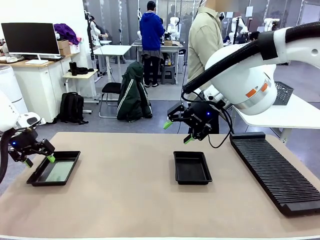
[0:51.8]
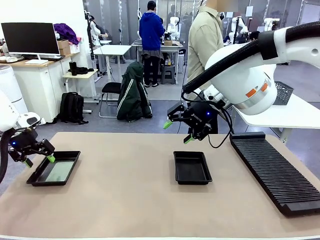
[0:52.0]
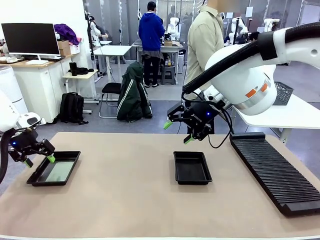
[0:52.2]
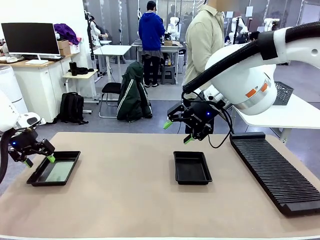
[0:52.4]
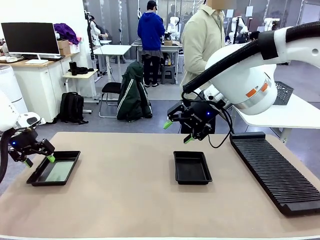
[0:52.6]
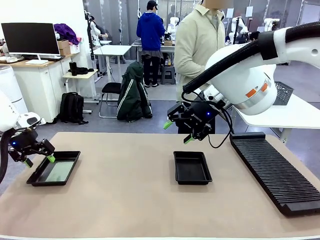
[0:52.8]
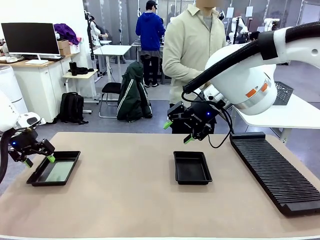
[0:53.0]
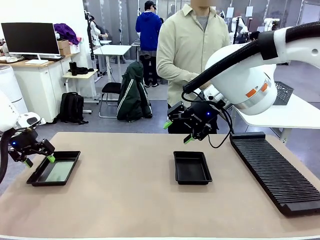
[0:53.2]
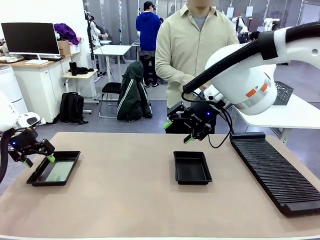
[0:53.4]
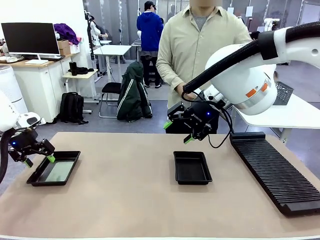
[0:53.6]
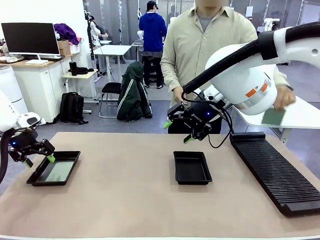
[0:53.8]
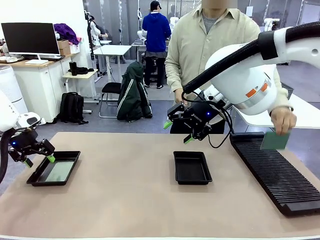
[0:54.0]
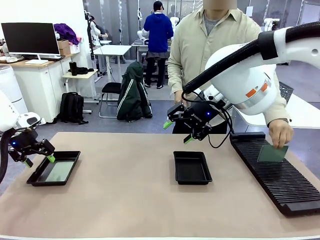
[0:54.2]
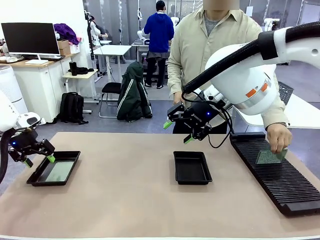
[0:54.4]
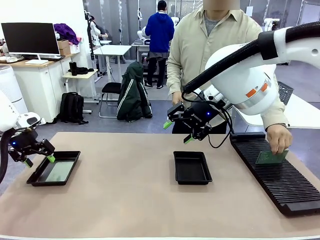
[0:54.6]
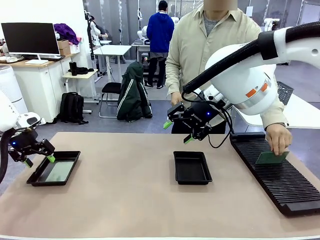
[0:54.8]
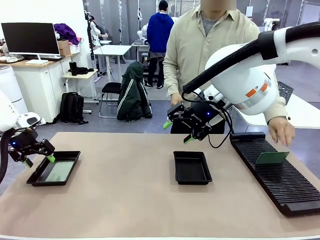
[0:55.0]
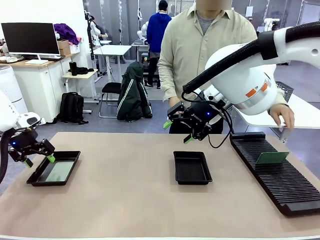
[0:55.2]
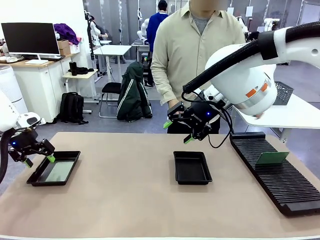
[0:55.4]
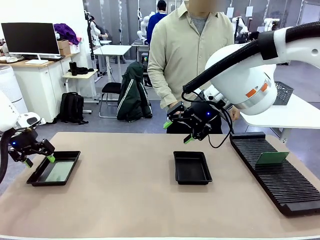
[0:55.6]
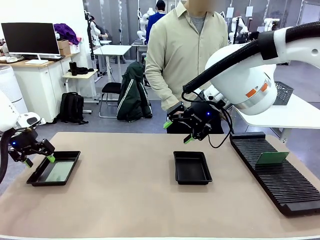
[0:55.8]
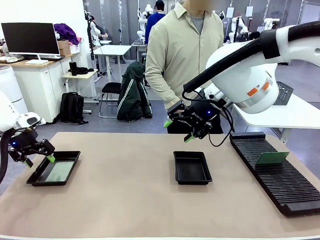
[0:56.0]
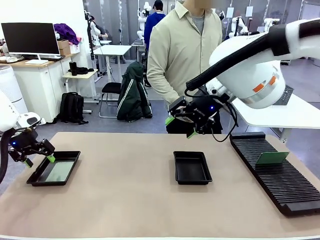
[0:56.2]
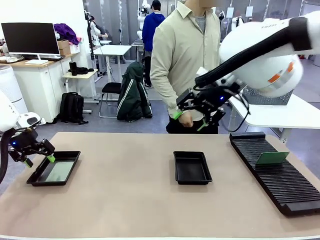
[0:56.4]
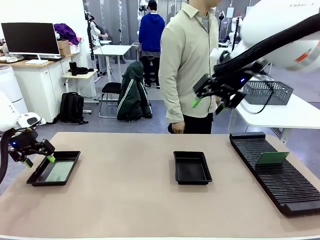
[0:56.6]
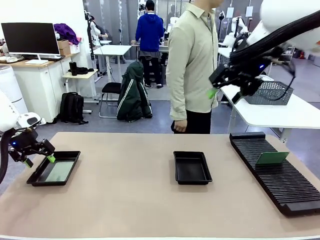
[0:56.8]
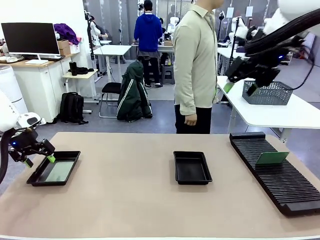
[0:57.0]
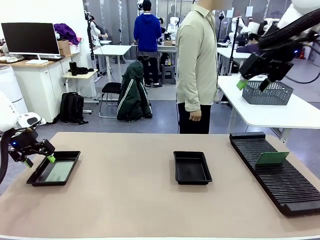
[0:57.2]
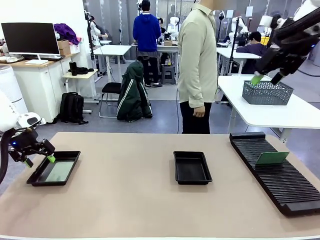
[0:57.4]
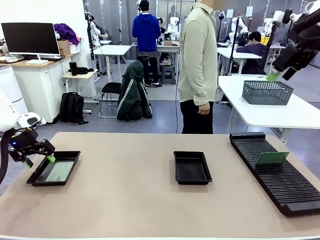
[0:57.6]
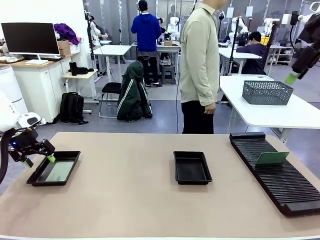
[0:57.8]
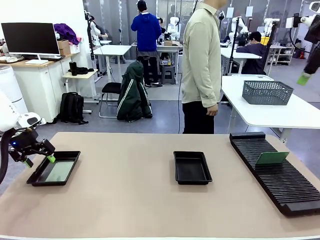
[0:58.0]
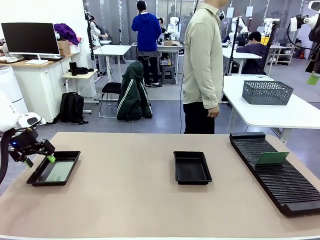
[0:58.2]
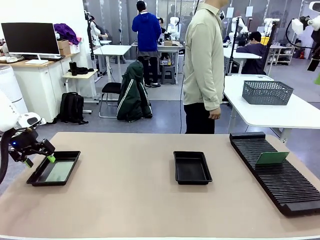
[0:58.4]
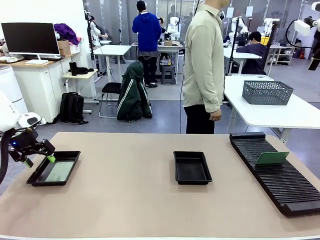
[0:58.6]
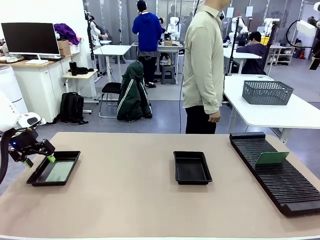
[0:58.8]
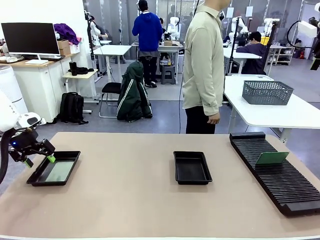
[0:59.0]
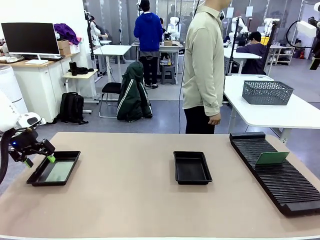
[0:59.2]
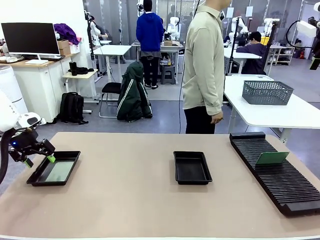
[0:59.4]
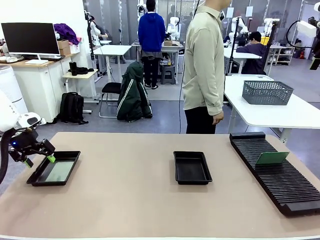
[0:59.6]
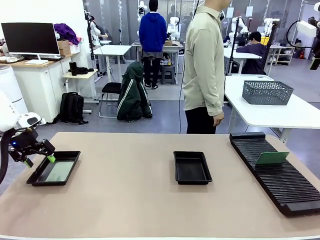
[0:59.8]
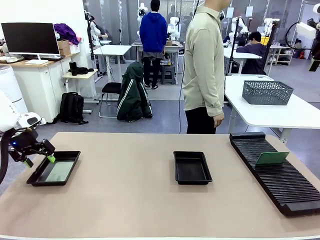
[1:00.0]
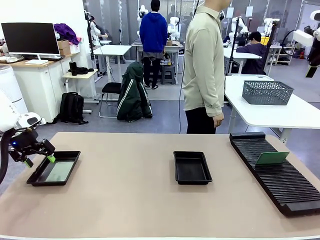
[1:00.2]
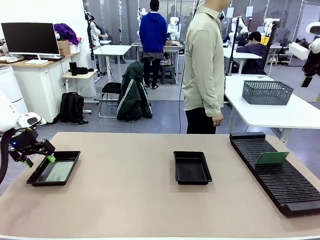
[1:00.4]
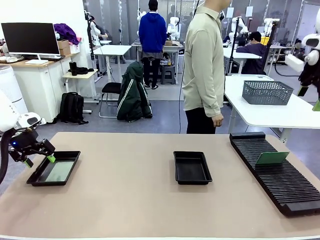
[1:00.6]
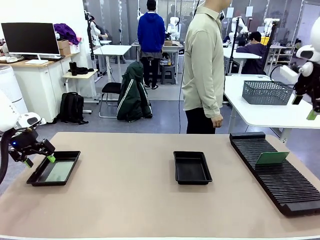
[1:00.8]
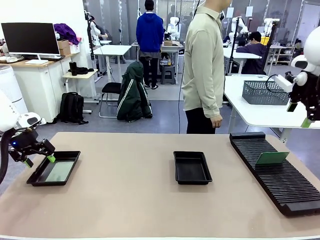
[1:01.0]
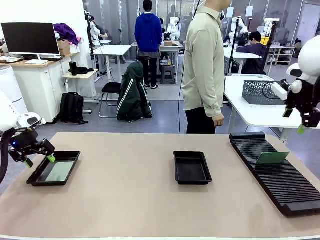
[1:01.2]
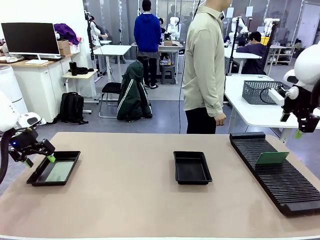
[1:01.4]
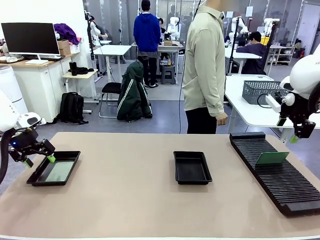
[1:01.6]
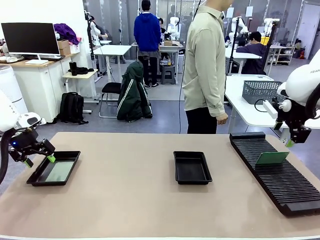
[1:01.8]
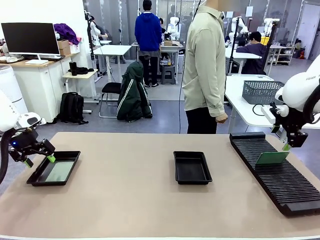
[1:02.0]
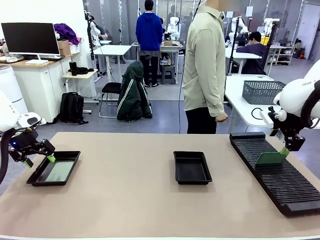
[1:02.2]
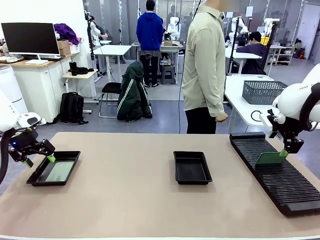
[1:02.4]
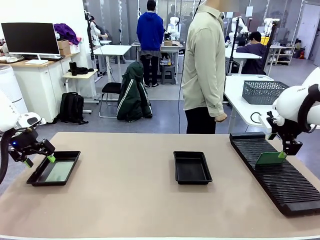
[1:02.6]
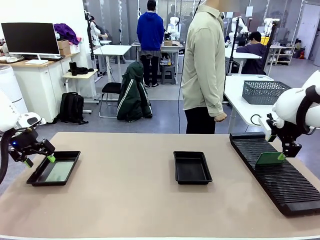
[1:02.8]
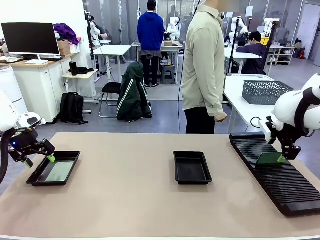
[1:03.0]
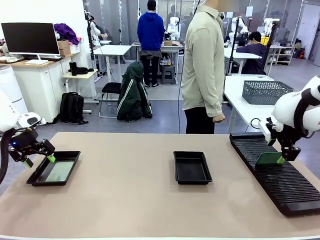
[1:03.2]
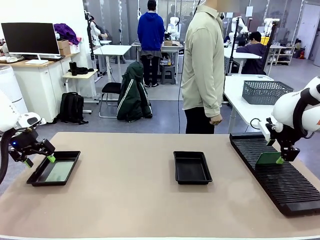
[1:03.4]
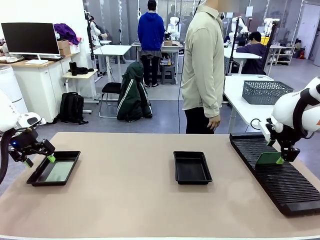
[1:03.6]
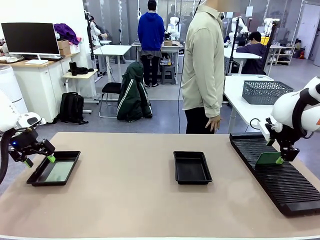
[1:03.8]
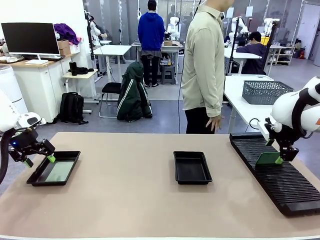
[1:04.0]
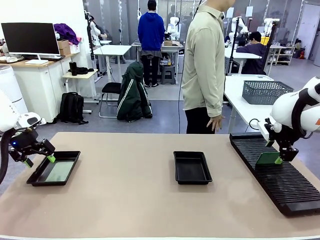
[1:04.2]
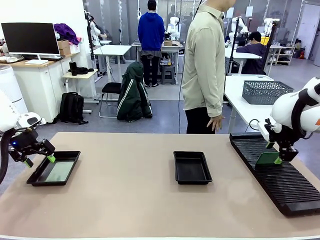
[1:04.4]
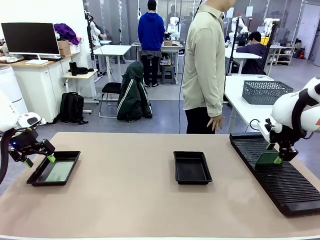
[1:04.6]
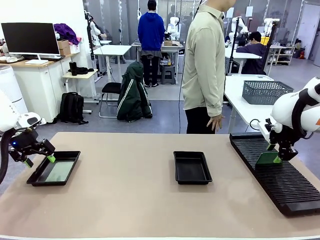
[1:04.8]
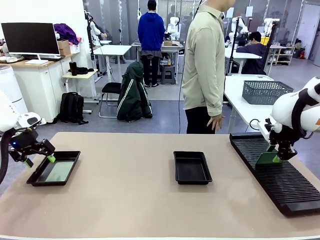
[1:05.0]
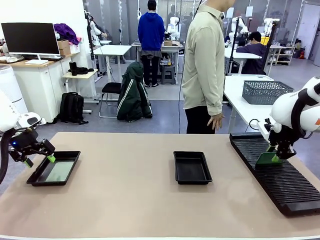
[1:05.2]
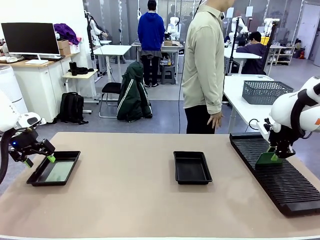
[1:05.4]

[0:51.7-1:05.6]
Task: Inspect and transfer BCBs to ESD trays.
Robot: Pick up the Blank PCB from the PCB Rack and place it in the right ESD tray.
